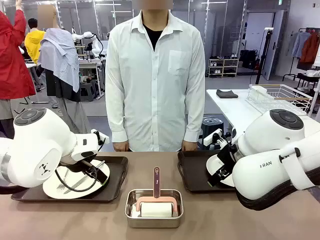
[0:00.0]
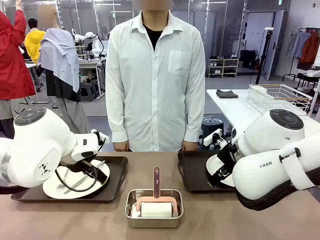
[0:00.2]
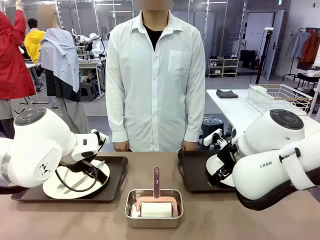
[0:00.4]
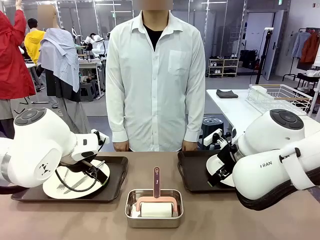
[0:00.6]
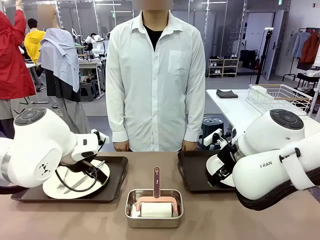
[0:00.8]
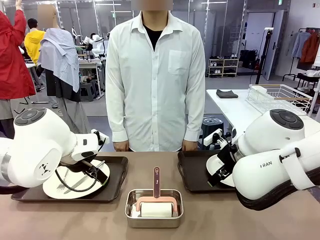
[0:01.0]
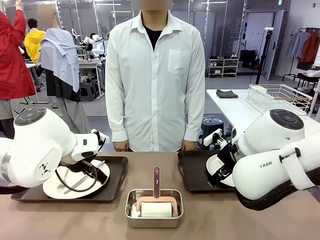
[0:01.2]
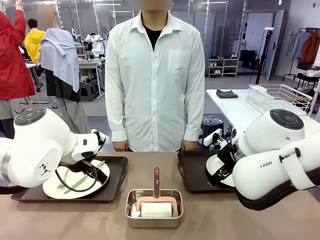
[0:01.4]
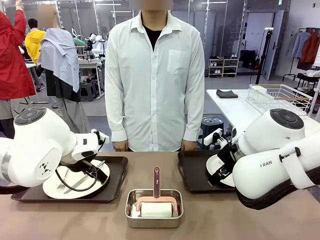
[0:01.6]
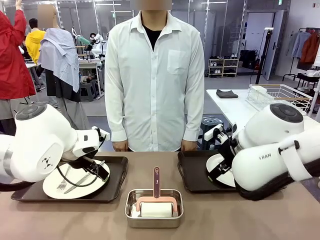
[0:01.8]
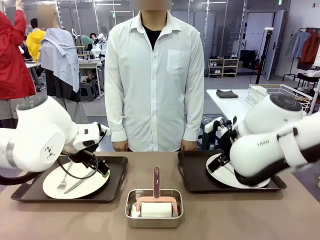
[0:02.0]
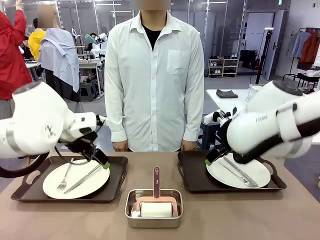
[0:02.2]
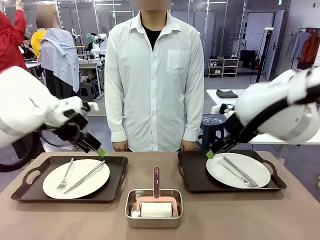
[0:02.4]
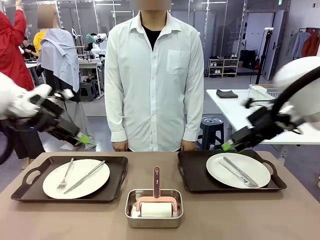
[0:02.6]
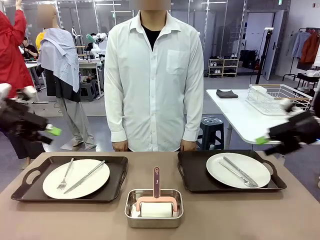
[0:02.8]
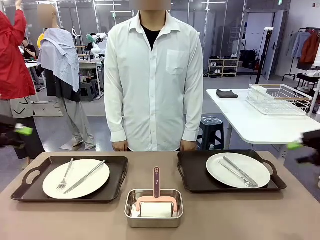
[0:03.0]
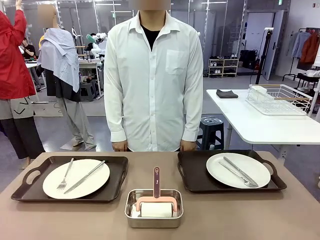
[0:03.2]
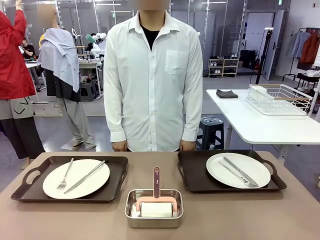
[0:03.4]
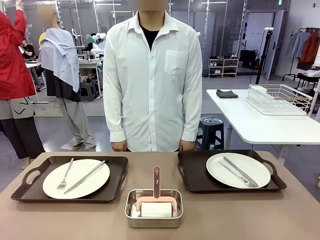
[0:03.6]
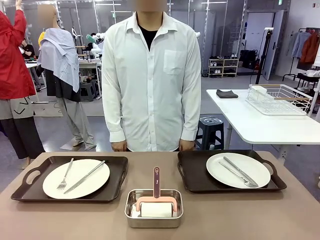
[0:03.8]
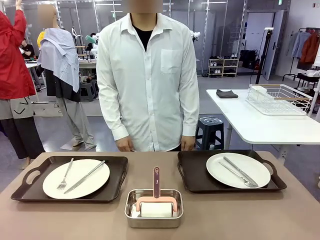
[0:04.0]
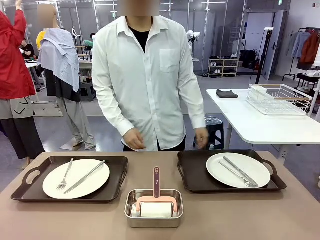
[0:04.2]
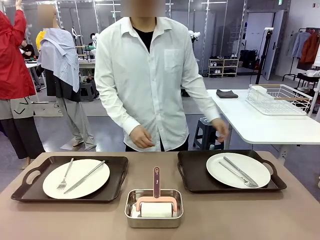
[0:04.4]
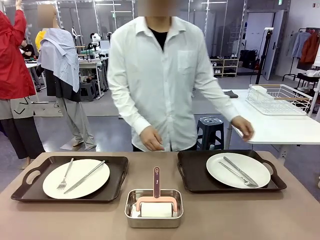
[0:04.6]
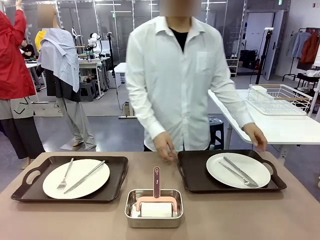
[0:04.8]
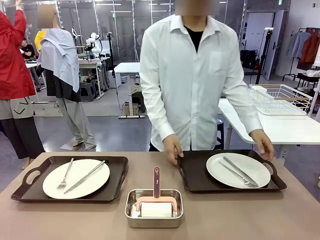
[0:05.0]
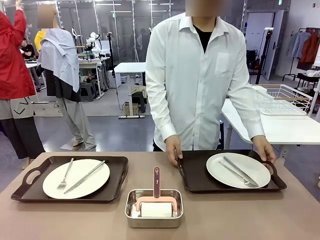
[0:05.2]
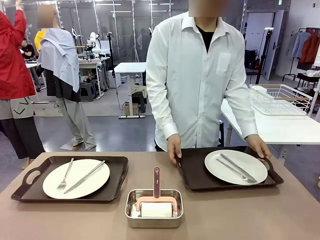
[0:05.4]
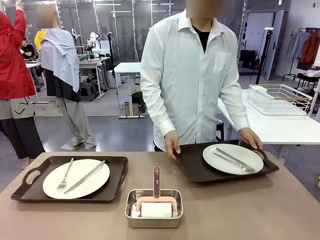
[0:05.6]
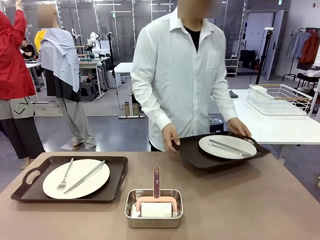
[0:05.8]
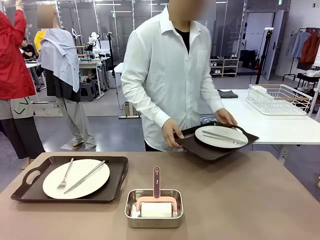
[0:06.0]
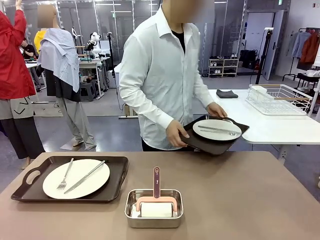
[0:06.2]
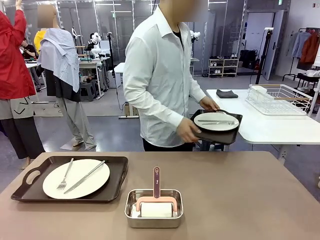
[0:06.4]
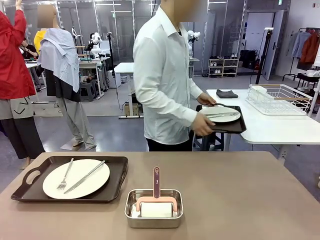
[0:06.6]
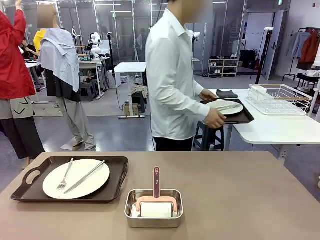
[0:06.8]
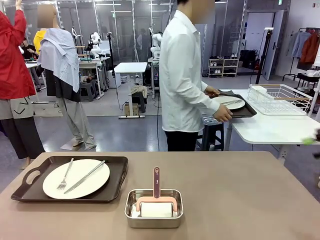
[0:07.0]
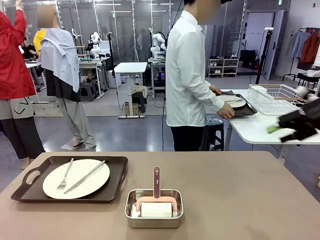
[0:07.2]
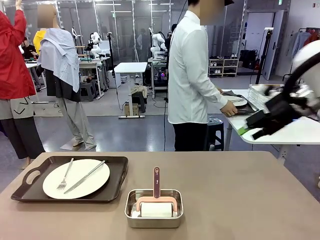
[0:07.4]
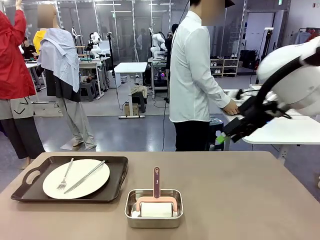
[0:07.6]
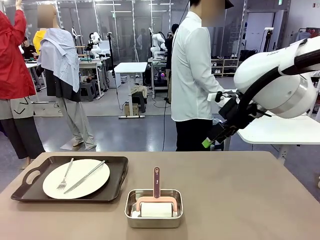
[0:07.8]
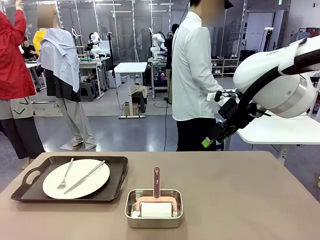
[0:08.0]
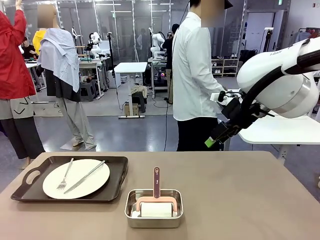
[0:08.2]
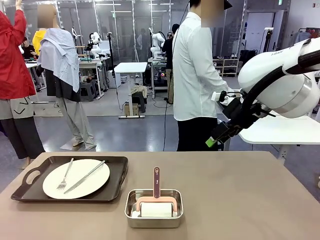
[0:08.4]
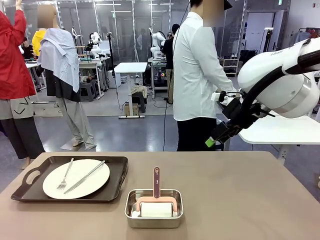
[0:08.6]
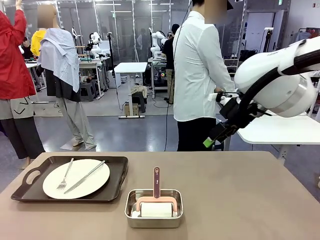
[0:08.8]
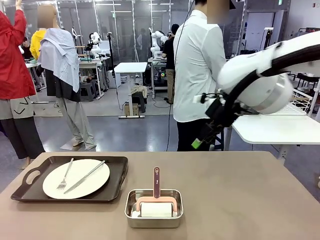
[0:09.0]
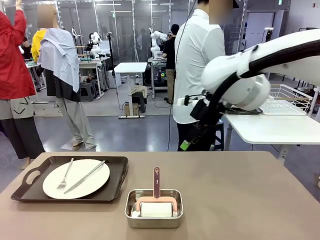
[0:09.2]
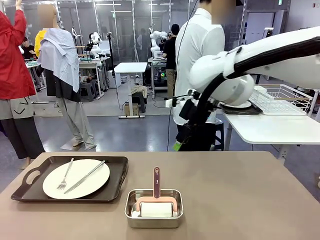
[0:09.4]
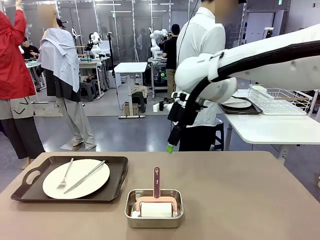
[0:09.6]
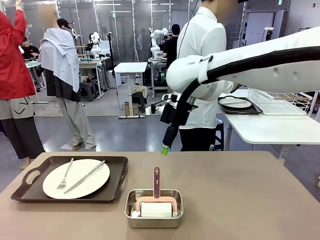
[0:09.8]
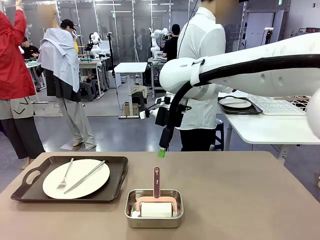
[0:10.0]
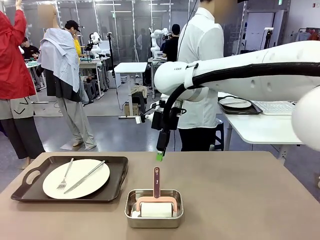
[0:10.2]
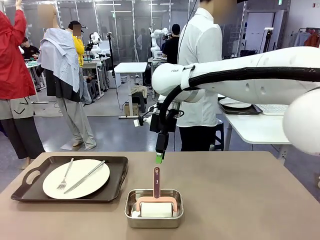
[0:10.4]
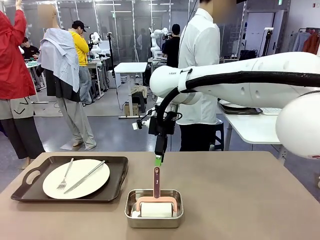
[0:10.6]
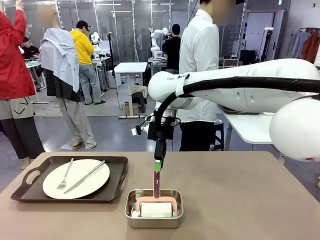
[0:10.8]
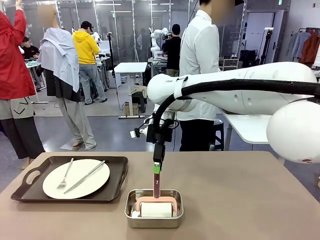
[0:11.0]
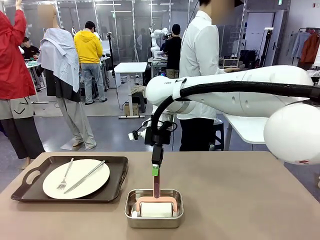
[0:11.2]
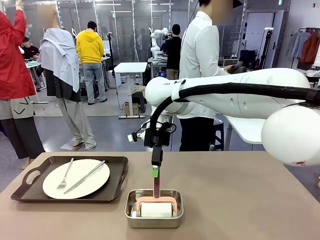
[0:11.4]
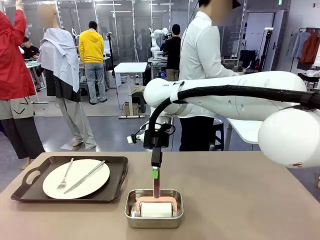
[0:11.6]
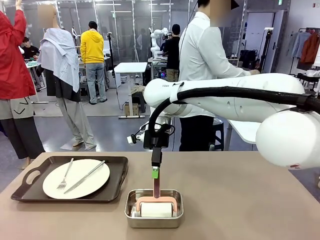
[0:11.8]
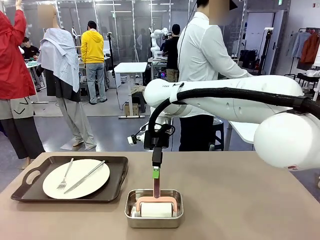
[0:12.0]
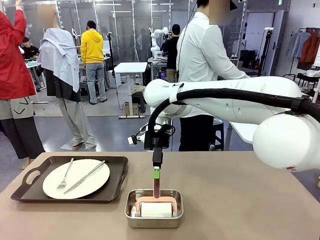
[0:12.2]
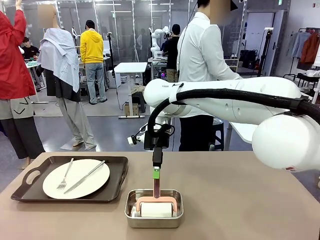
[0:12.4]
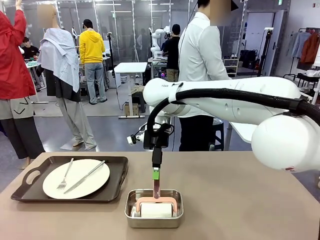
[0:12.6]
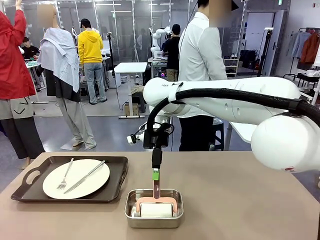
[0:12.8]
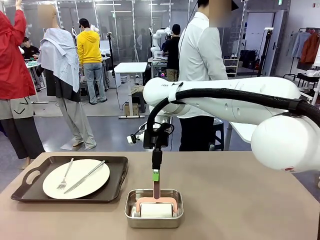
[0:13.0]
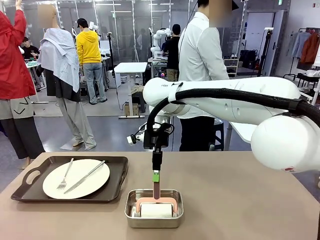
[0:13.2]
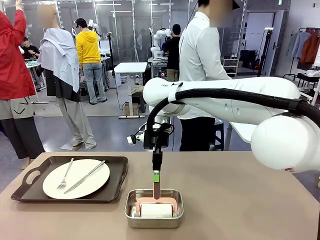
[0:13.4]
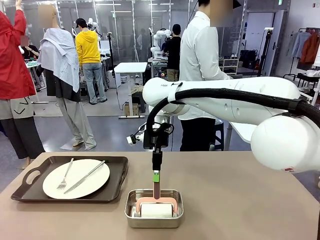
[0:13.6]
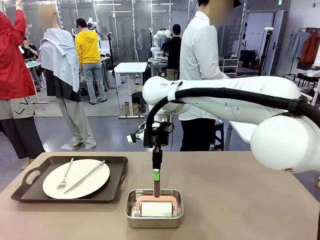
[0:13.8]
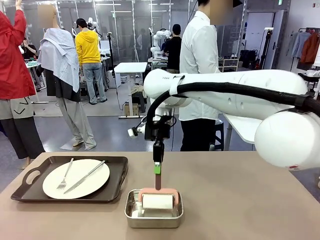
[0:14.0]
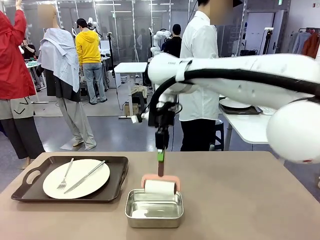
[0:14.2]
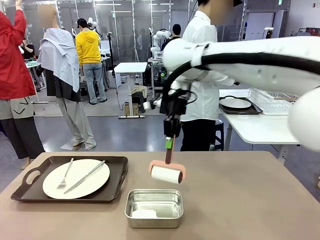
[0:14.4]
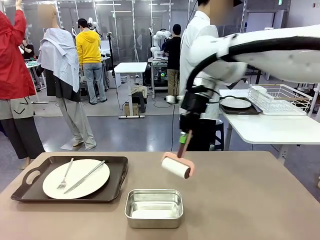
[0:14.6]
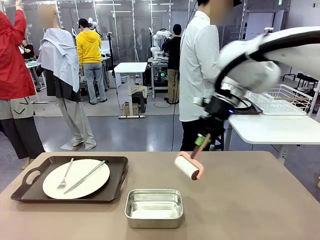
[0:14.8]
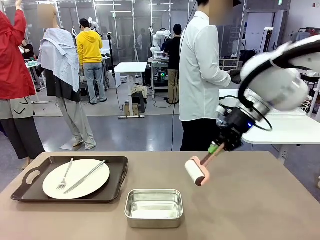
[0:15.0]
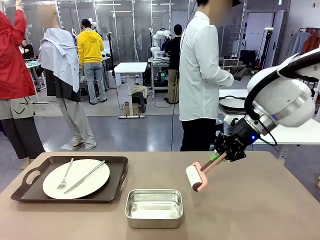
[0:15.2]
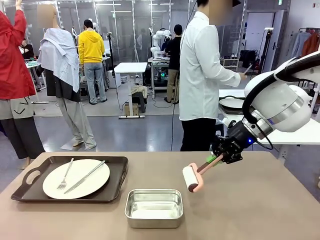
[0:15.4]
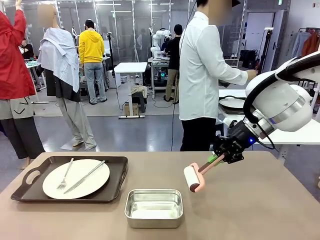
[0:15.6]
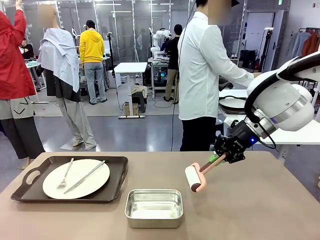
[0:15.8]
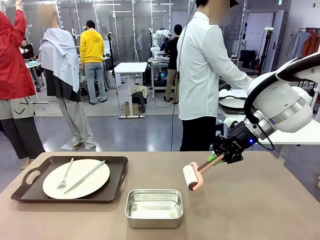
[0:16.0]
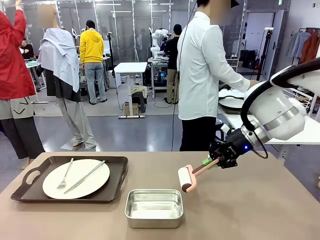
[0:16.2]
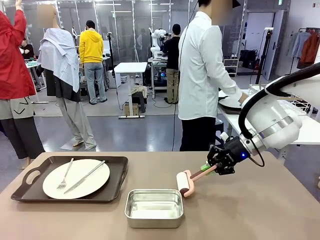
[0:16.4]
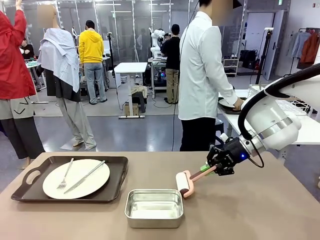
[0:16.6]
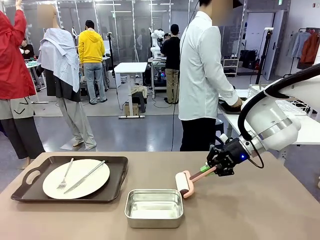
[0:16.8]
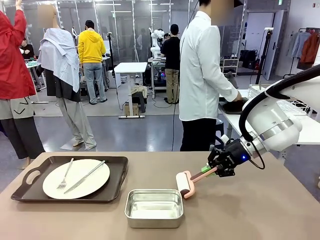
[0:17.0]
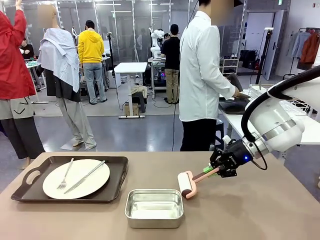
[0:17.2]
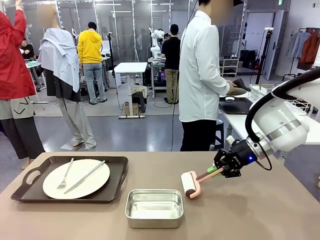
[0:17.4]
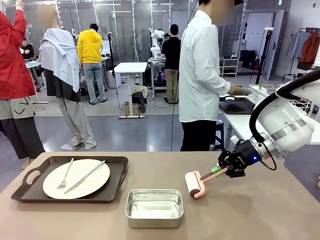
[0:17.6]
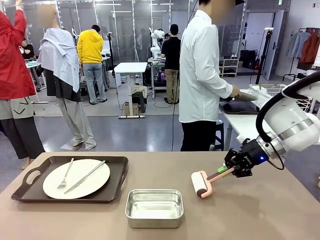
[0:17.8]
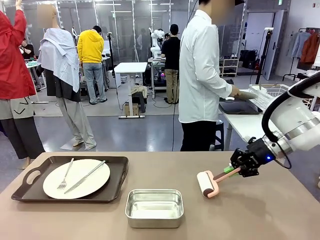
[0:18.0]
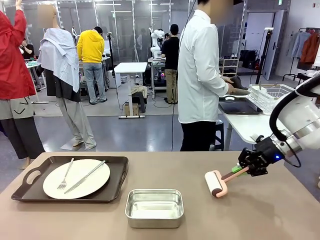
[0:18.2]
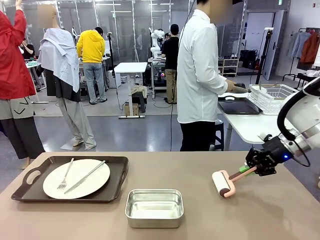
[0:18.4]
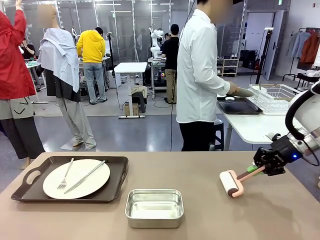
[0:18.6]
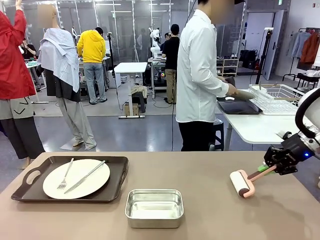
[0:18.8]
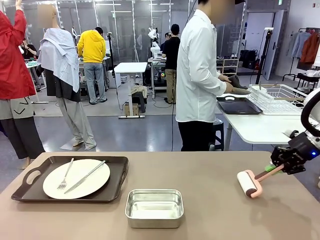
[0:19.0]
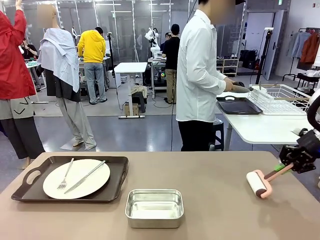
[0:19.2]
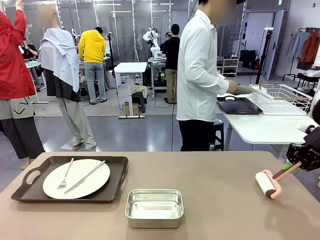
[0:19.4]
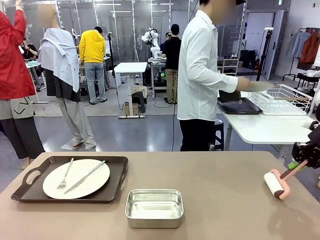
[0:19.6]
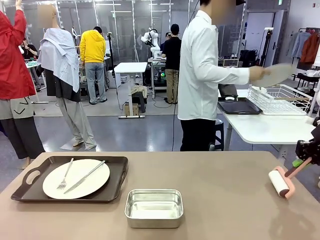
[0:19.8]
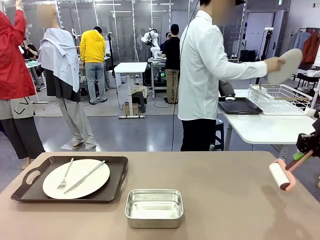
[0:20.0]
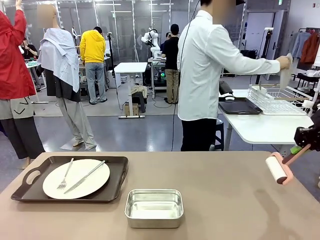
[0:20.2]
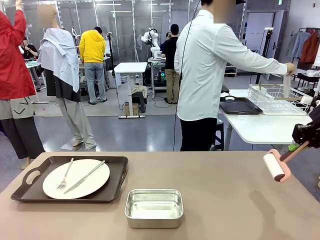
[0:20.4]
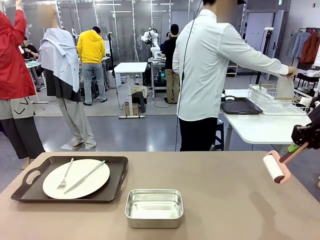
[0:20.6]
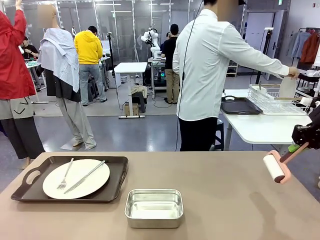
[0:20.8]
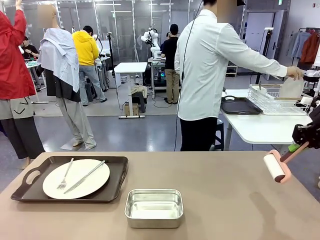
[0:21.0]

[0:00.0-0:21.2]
Robot: When the left (or right) Handle tray is removed, use the left hand (or right hand) to clean the left (or right) side of the table with the Lint Roller.
Person: Pick up the left (or right) Handle tray and place it on the middle of the Human's table. Use the Towel with hook to wipe the Plastic Matte Plate , Fork , and Knife and place into the Dish drying rack.
